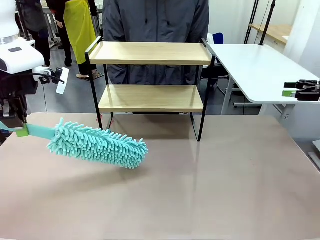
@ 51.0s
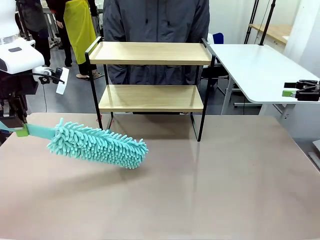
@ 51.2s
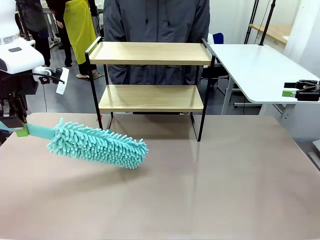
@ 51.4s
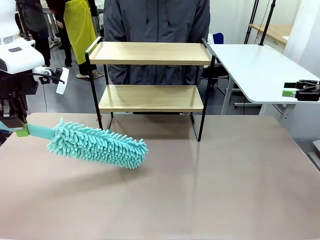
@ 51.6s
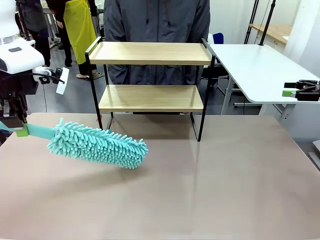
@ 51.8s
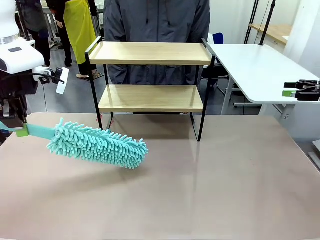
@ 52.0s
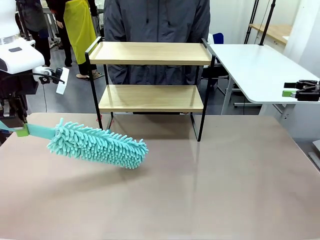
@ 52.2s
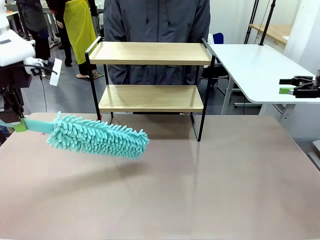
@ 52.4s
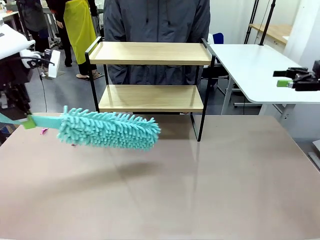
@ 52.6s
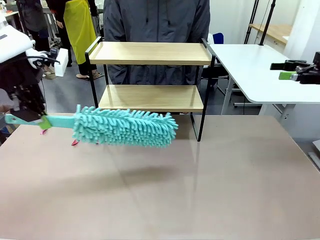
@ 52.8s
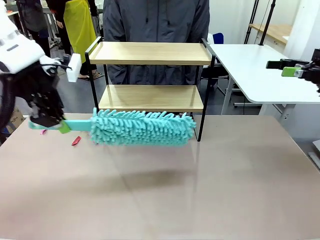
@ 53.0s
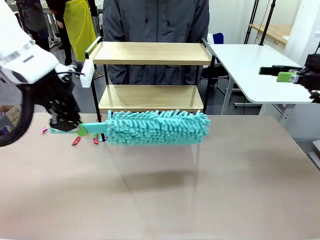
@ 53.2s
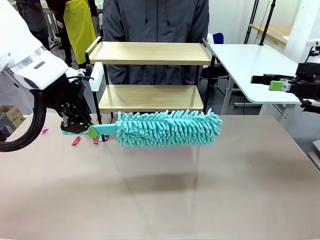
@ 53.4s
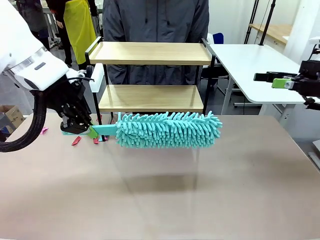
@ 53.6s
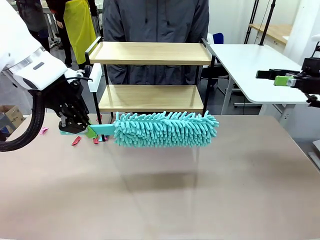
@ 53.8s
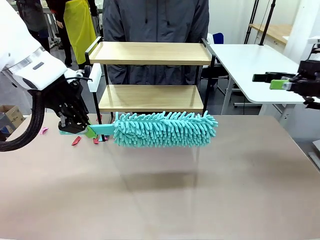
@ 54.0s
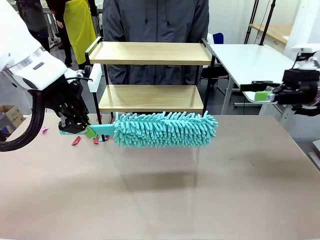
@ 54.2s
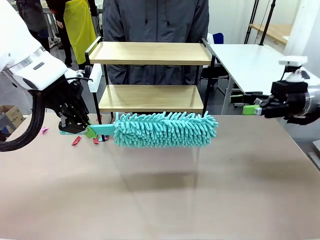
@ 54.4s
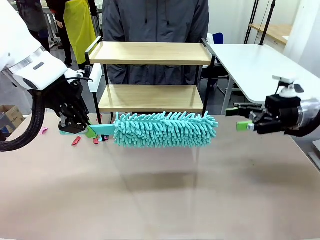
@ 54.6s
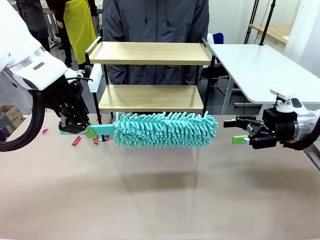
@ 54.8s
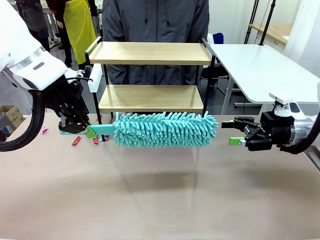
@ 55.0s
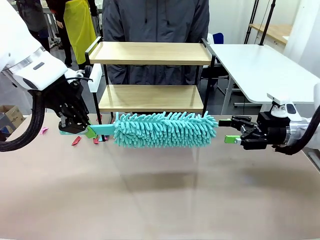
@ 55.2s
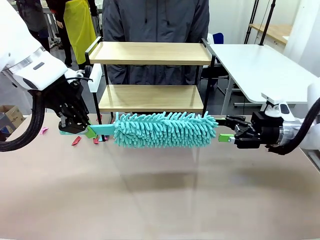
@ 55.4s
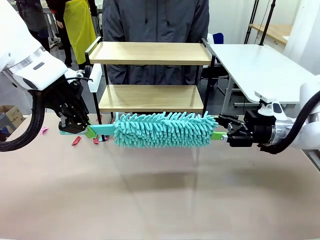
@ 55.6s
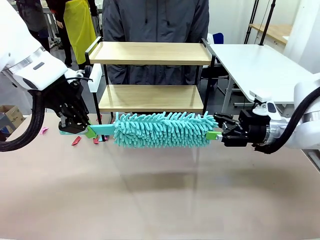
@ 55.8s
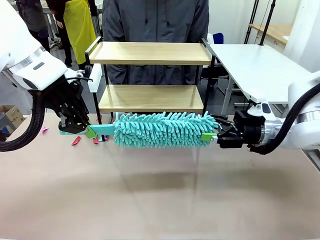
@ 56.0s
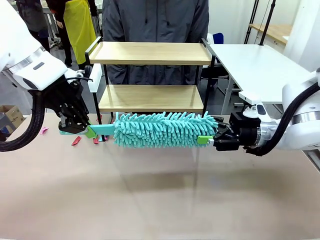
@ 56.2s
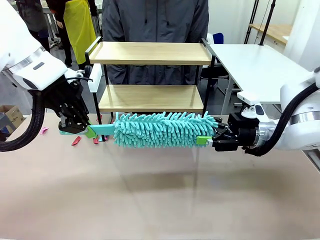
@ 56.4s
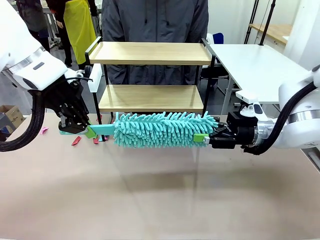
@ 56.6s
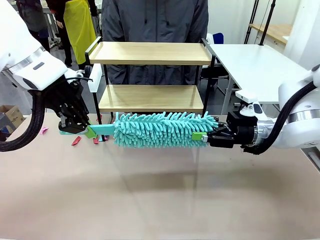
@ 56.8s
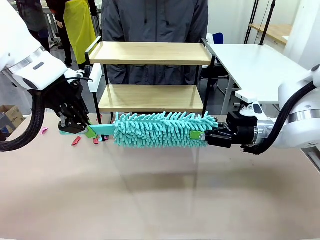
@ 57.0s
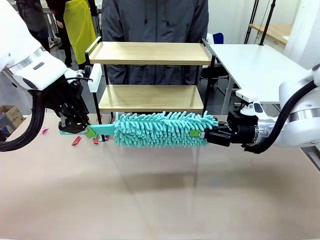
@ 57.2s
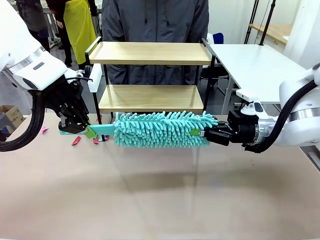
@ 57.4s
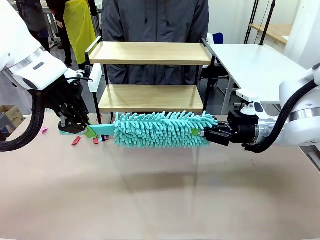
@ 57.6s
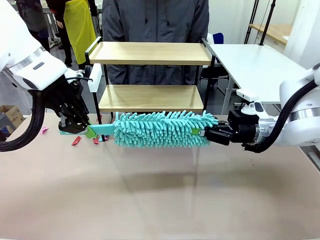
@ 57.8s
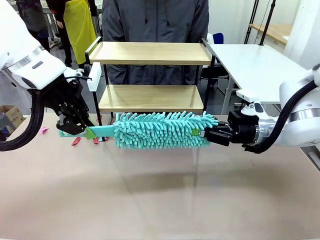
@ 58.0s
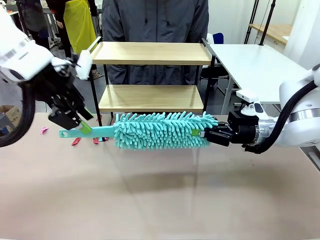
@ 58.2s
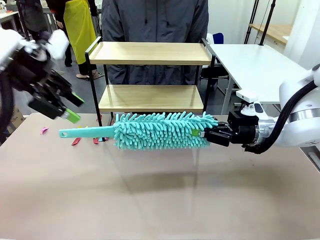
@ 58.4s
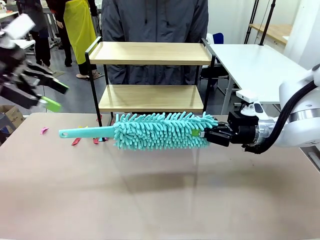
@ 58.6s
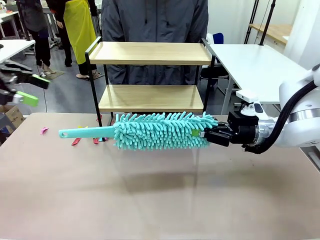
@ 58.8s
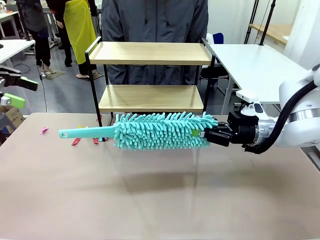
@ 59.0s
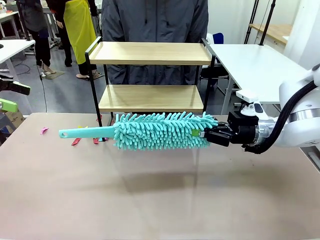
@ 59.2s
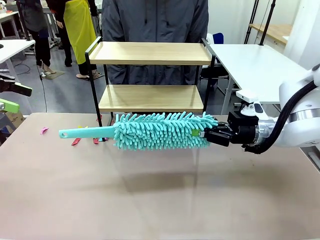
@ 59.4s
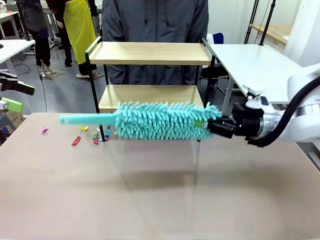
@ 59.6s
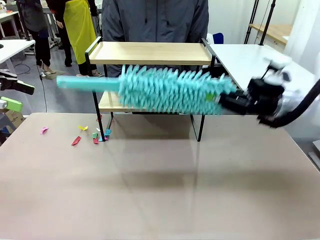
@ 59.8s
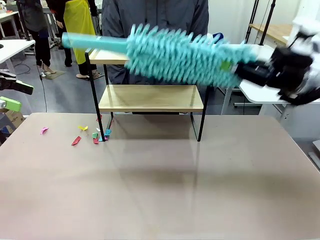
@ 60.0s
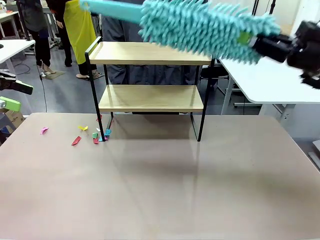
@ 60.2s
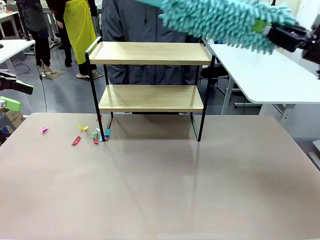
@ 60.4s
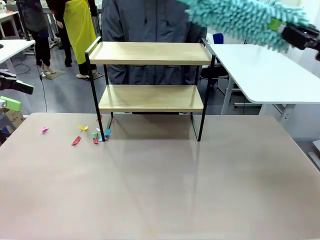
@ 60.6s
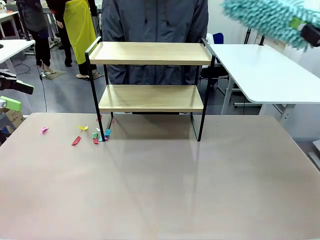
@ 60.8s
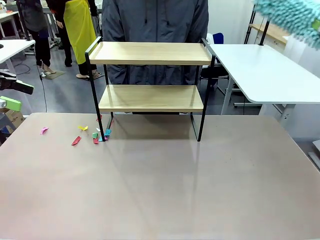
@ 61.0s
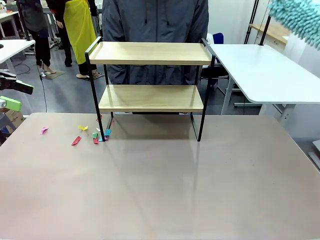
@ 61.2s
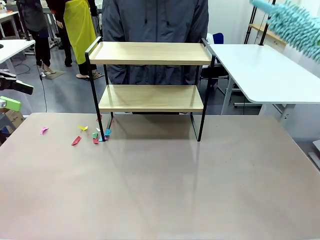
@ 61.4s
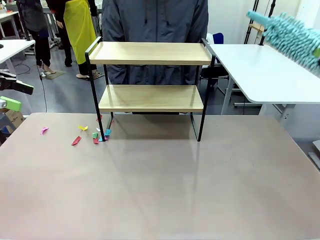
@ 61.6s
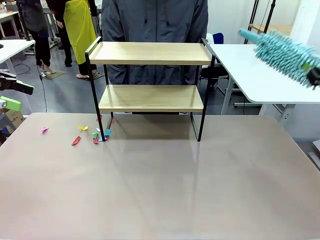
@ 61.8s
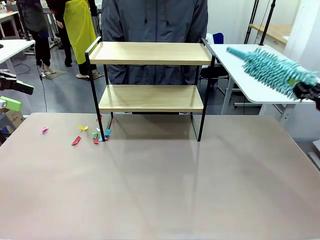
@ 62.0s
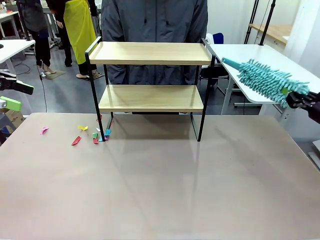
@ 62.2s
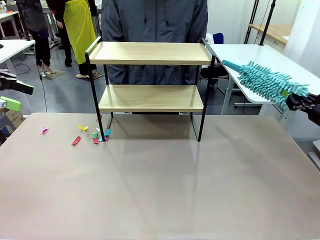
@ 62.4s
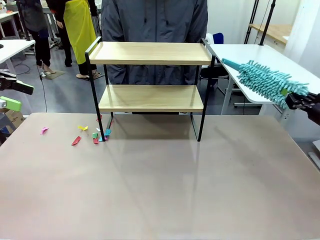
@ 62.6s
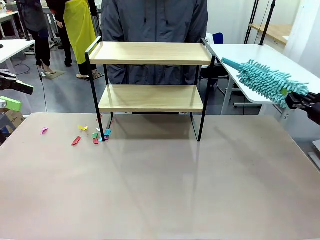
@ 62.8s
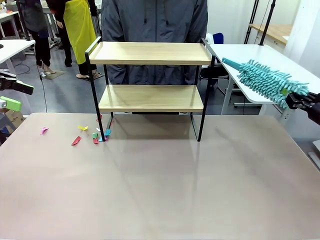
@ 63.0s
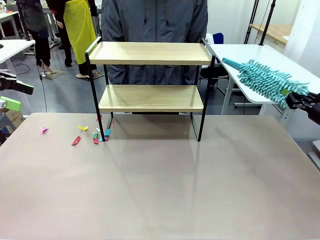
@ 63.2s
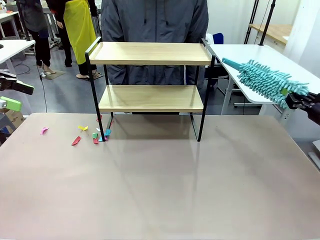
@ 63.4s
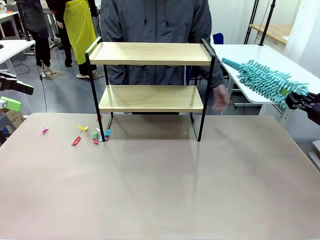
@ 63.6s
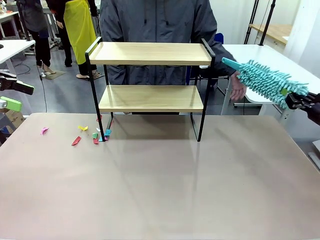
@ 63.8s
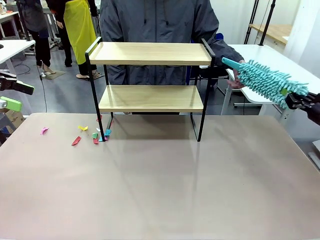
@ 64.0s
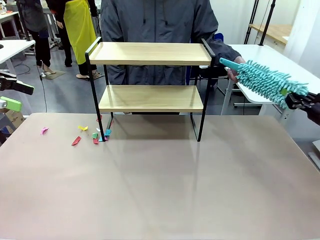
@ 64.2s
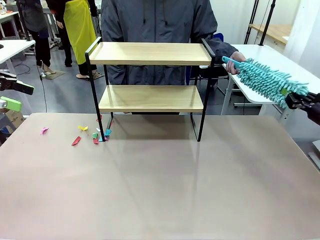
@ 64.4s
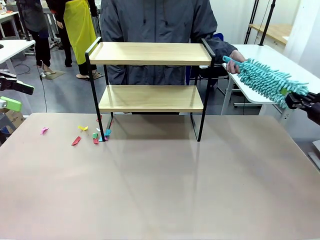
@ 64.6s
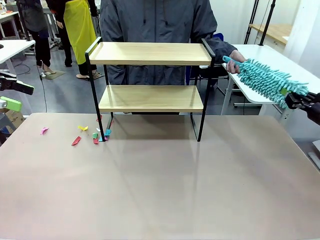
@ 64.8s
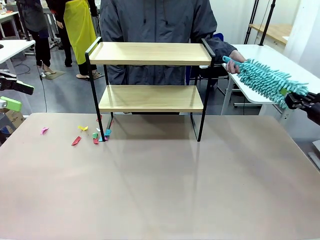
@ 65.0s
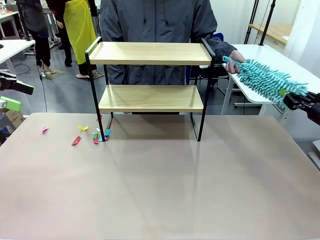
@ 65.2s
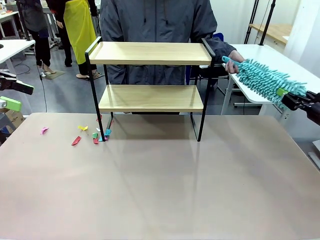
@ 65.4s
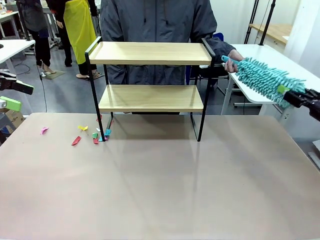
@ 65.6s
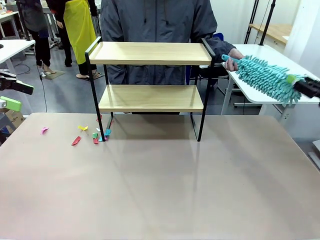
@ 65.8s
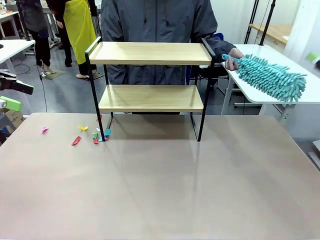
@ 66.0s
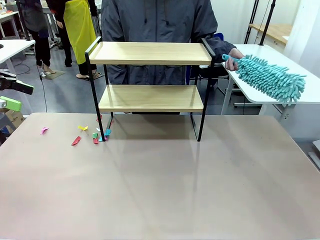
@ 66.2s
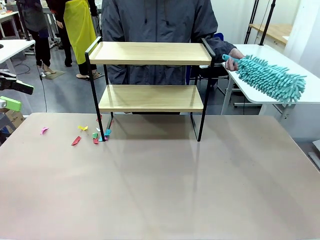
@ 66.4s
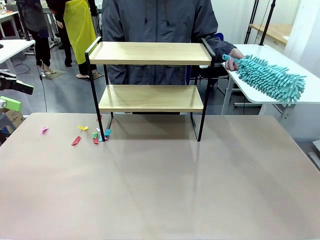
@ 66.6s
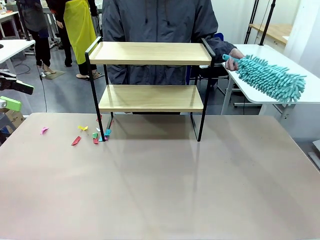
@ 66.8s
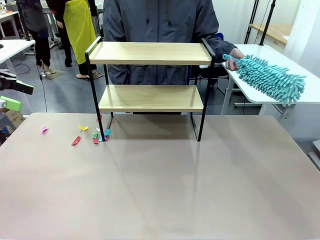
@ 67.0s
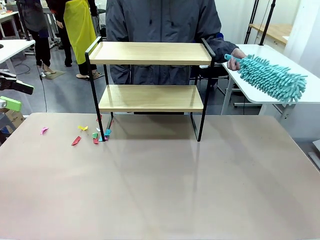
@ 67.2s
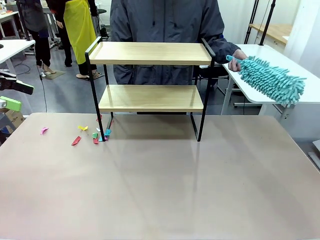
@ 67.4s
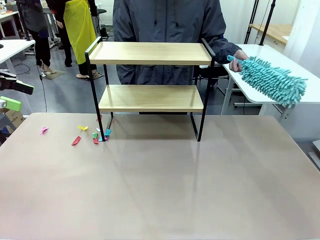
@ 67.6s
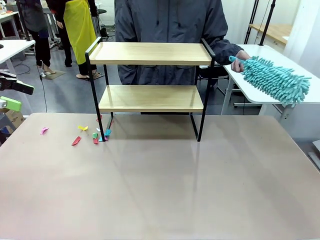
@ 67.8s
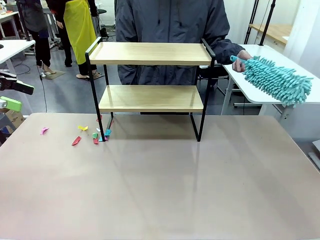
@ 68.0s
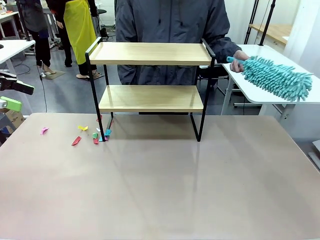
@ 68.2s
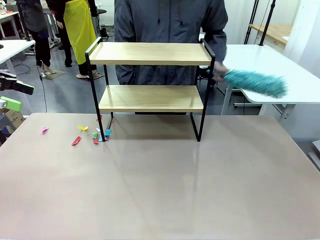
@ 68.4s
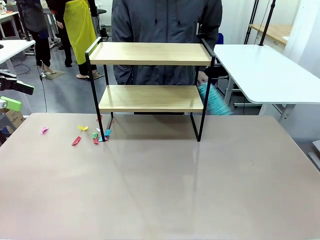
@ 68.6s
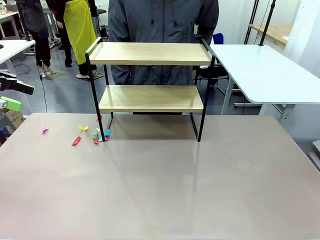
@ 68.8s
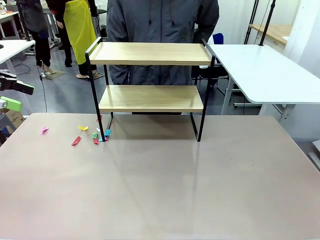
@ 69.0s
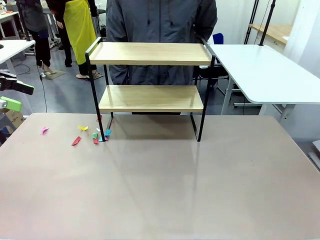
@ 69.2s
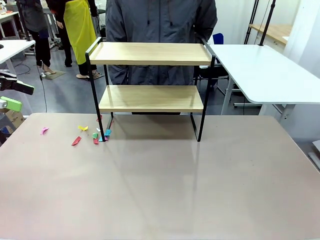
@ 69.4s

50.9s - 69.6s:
Task: Clean the shelf.
Robot: Hand the Duster back to the human.
Person: Receive the Duster from the robot.
